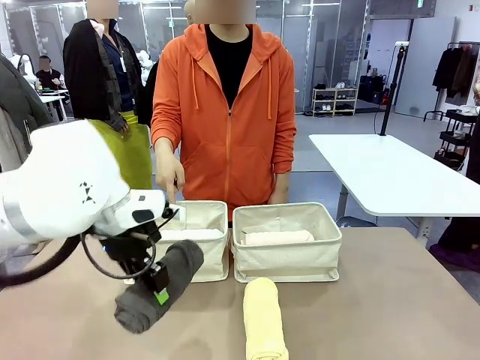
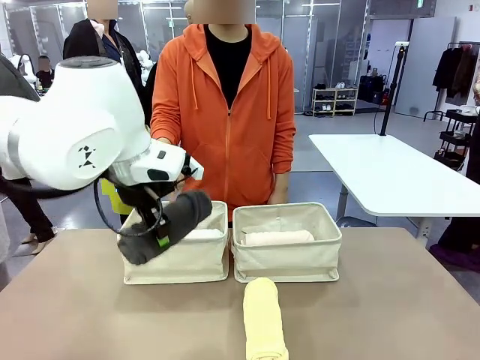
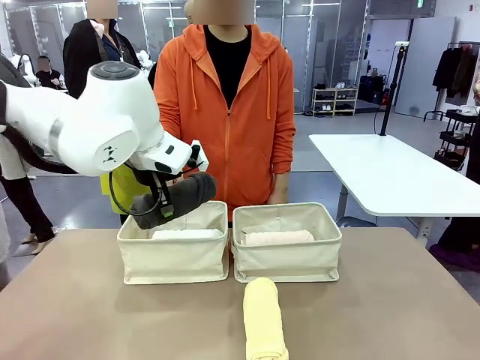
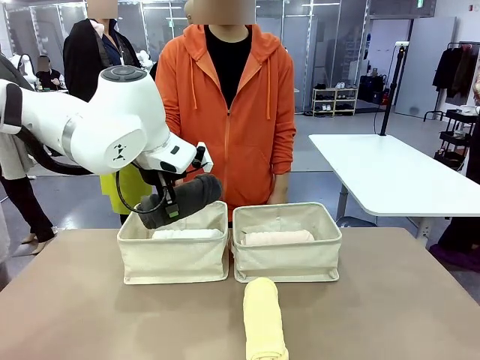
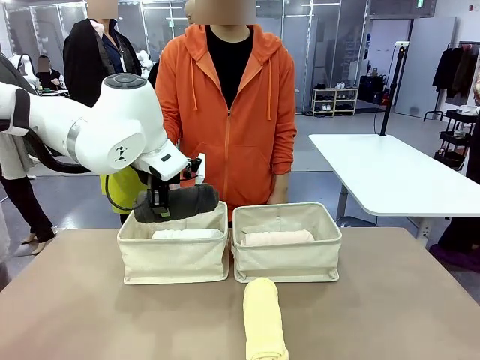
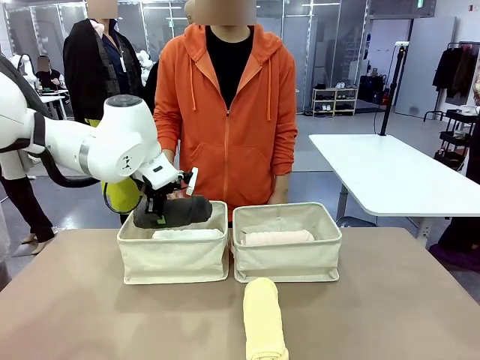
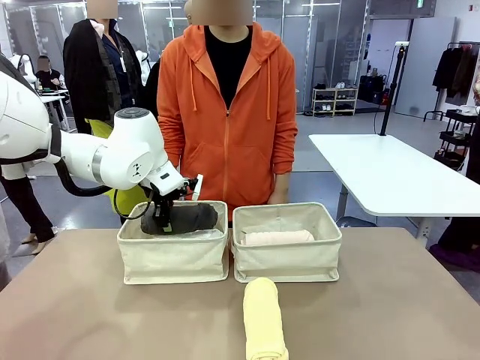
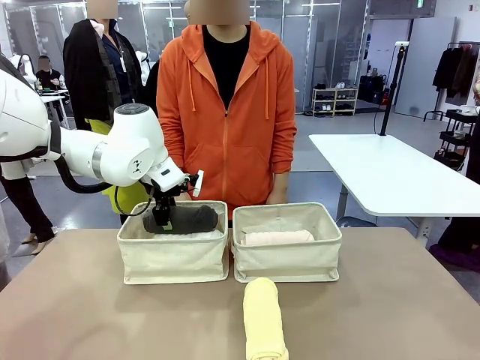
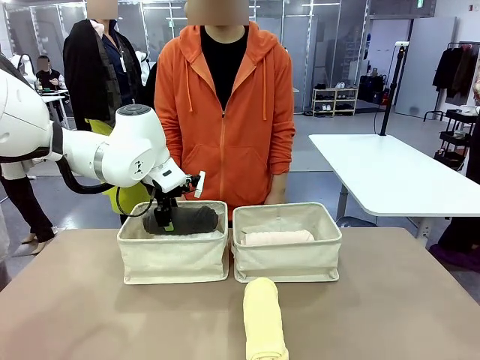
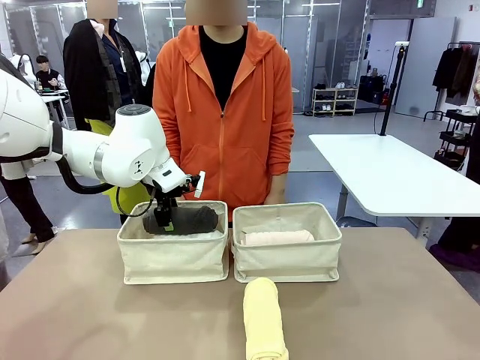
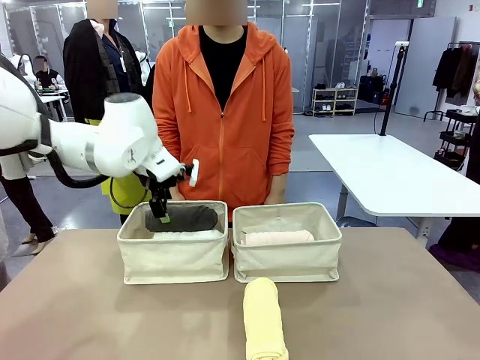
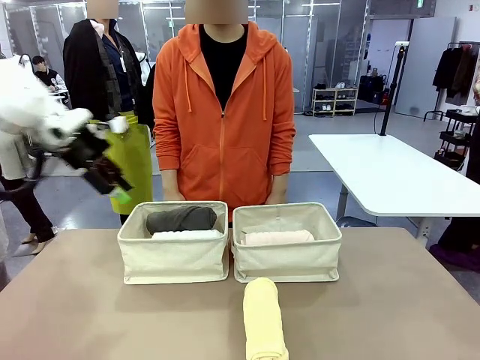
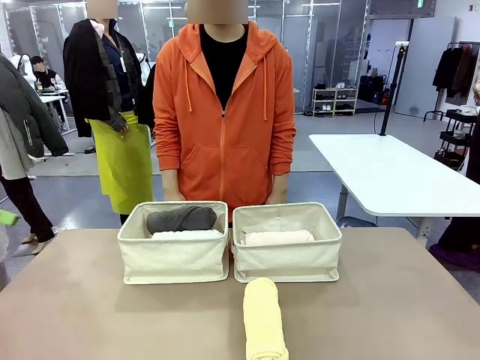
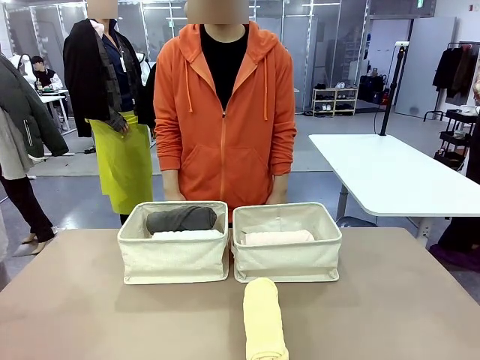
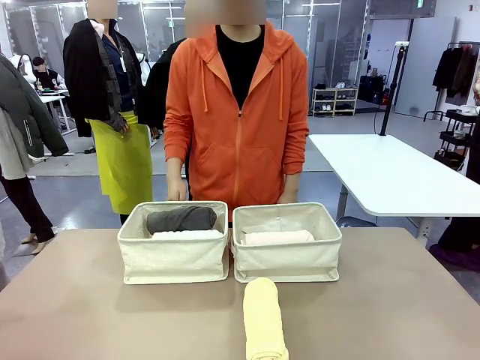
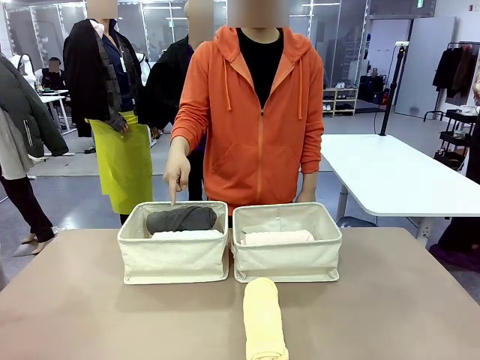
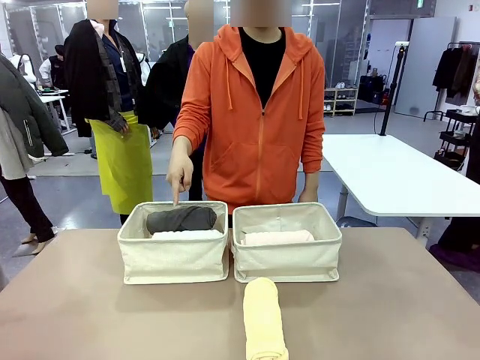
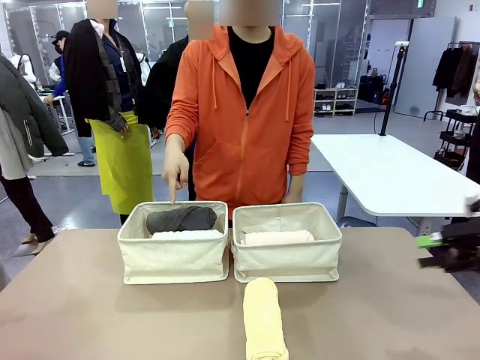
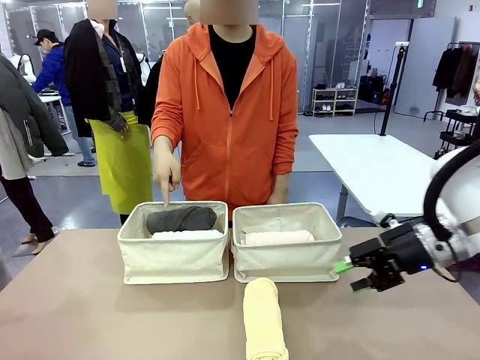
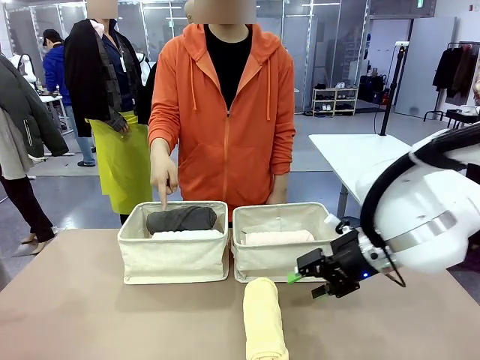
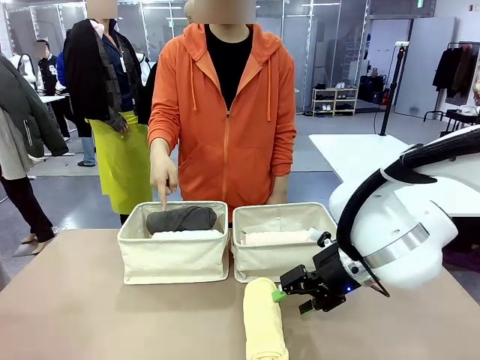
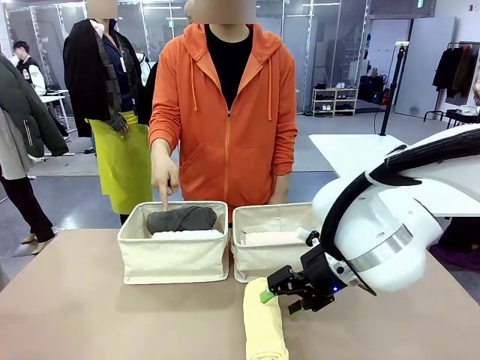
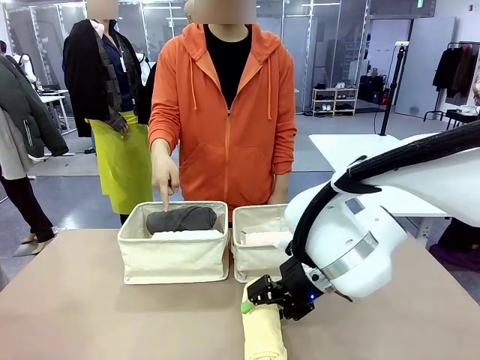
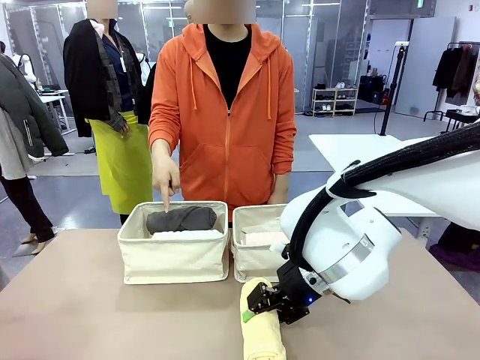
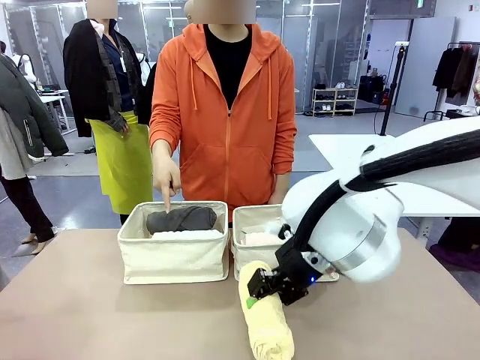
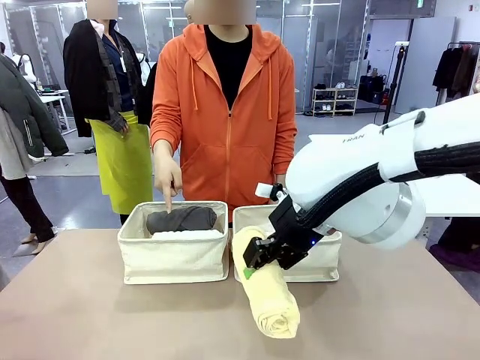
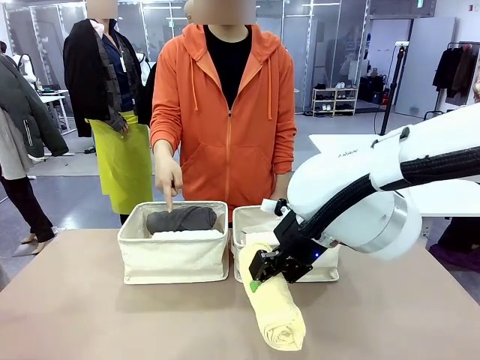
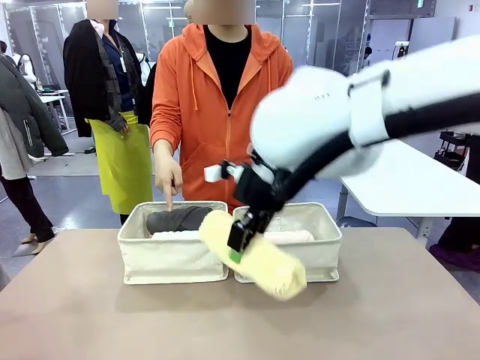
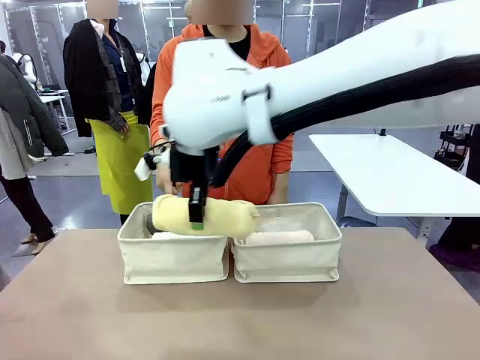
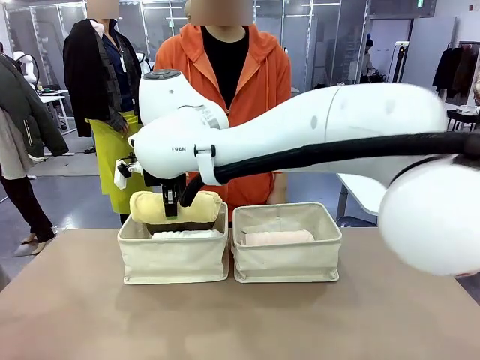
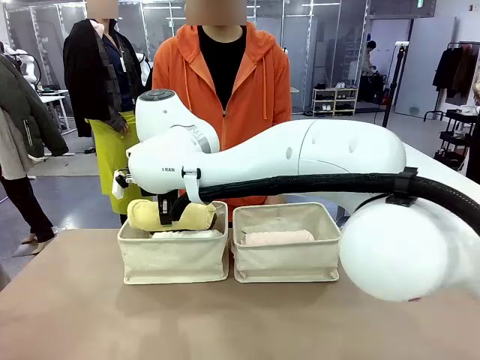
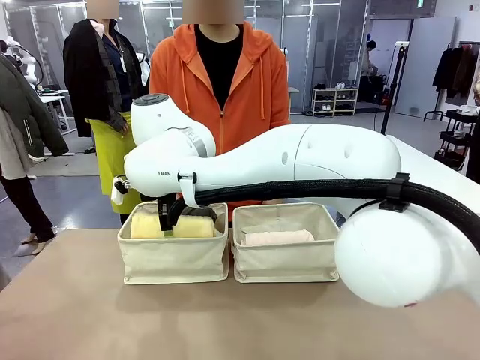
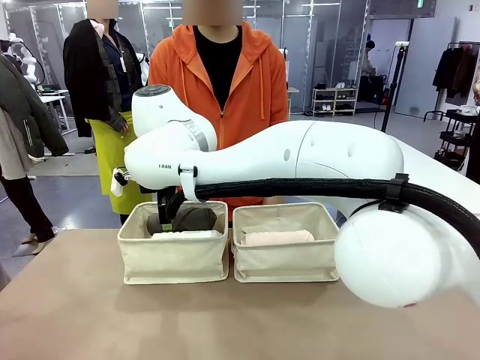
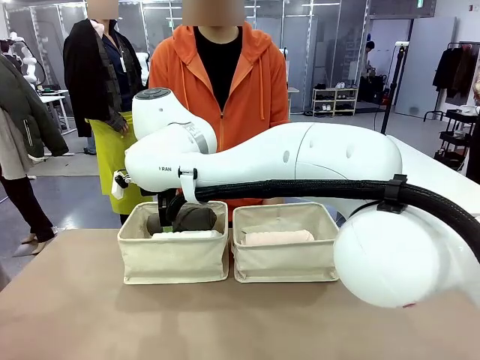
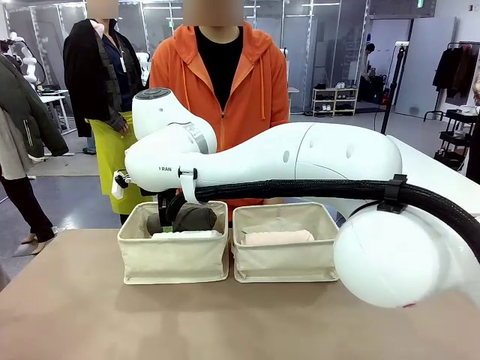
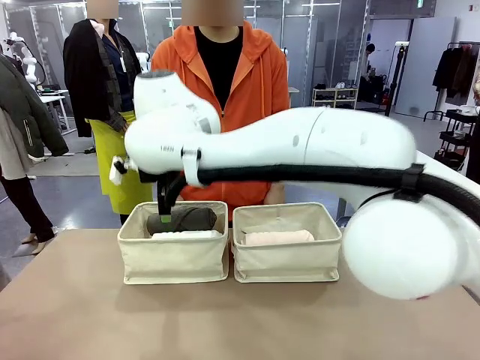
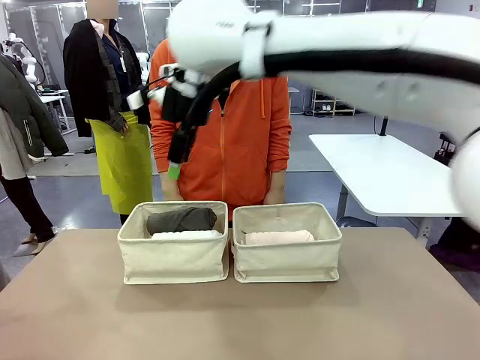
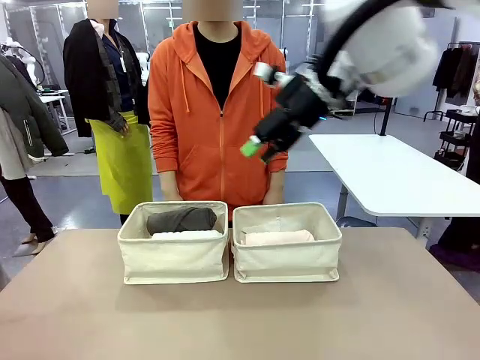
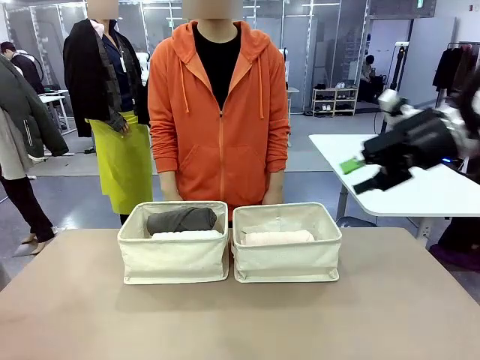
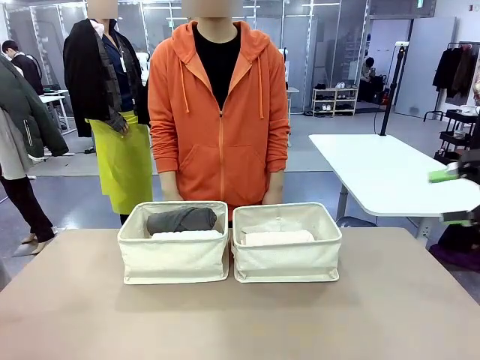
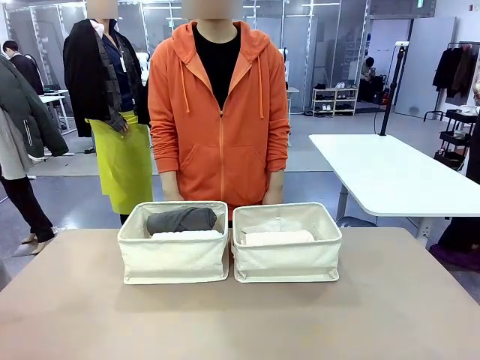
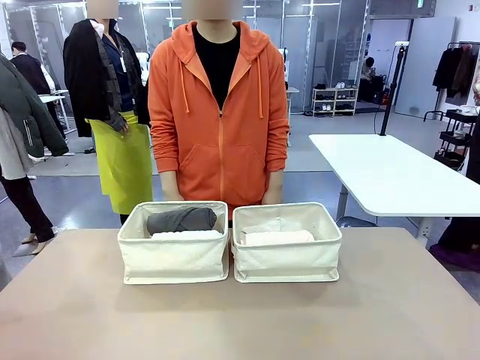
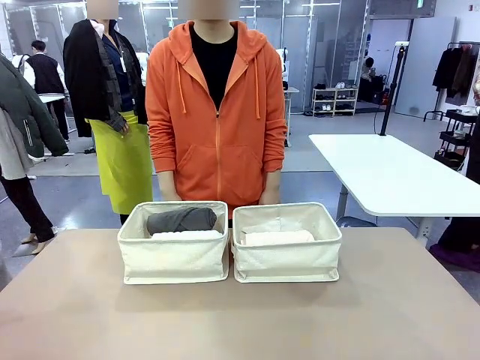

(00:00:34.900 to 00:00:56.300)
Task: Divide the towels into two baskets.
Robot: Pick up one hotel-folded towel from the bottom of the table and place it in the Fabric basket indicated by the person.
